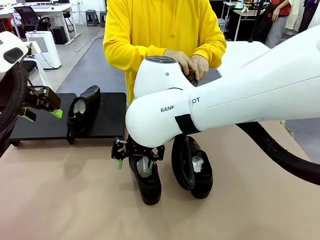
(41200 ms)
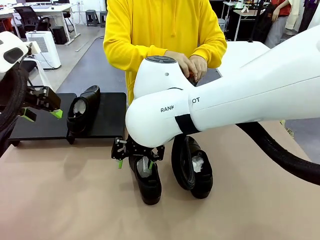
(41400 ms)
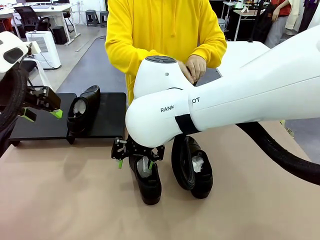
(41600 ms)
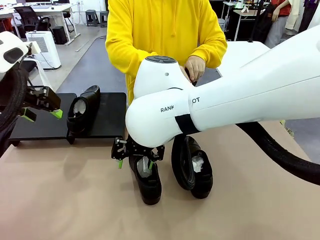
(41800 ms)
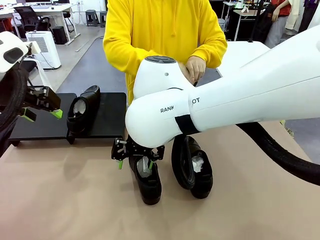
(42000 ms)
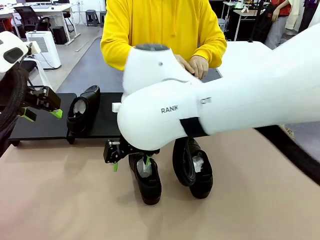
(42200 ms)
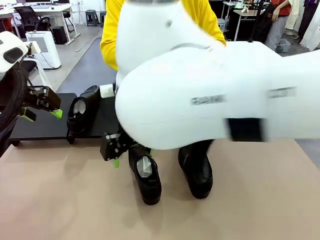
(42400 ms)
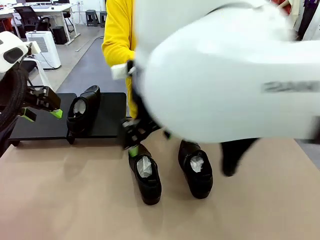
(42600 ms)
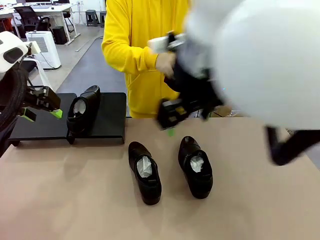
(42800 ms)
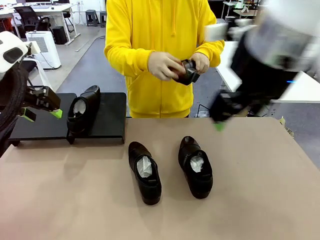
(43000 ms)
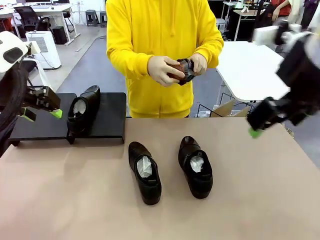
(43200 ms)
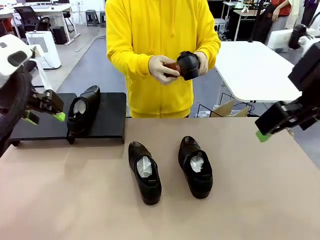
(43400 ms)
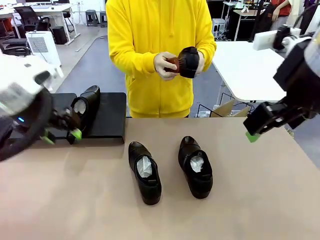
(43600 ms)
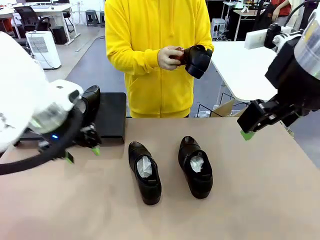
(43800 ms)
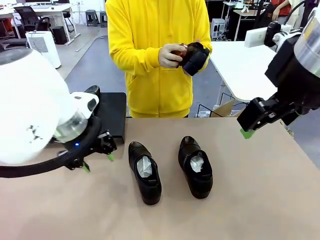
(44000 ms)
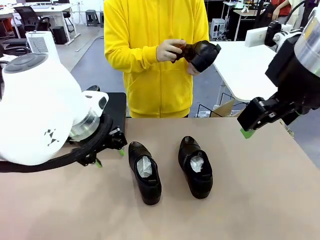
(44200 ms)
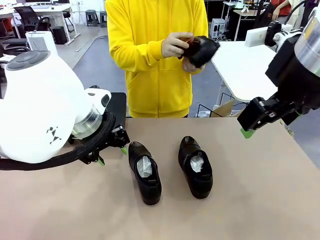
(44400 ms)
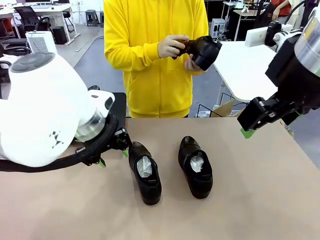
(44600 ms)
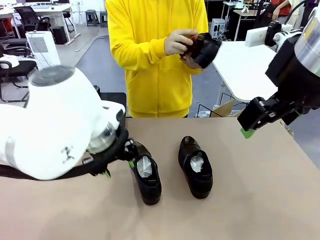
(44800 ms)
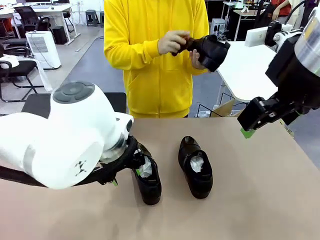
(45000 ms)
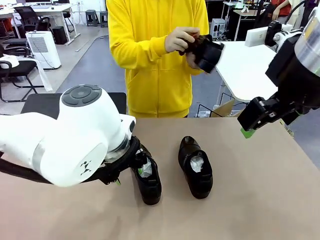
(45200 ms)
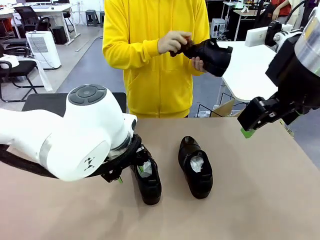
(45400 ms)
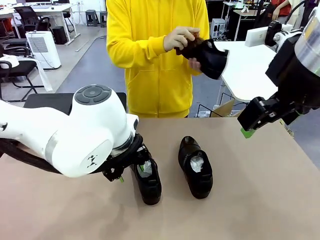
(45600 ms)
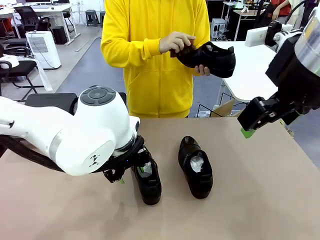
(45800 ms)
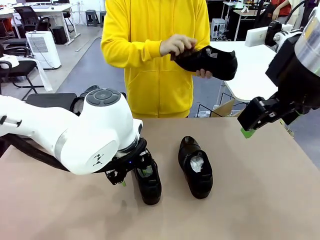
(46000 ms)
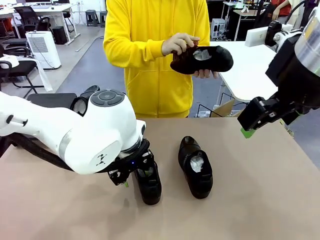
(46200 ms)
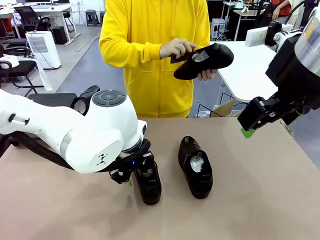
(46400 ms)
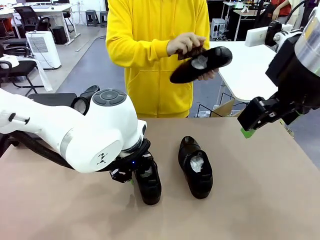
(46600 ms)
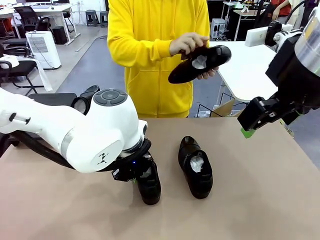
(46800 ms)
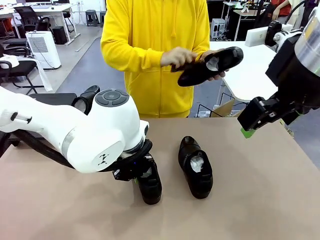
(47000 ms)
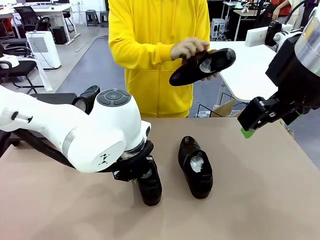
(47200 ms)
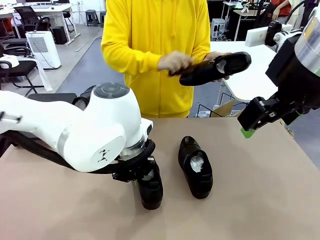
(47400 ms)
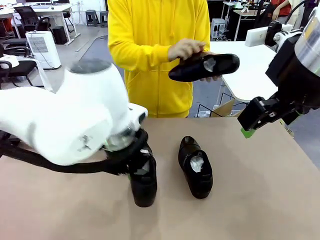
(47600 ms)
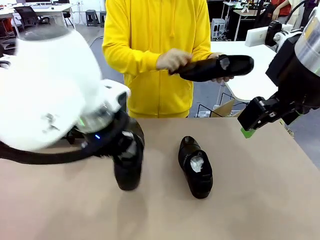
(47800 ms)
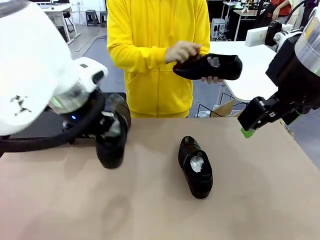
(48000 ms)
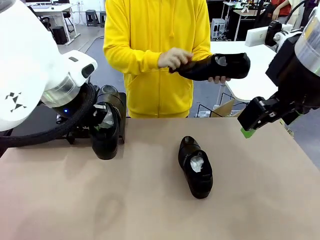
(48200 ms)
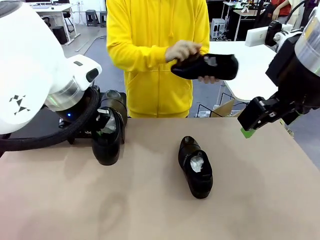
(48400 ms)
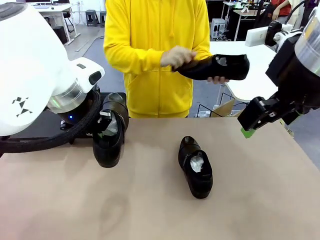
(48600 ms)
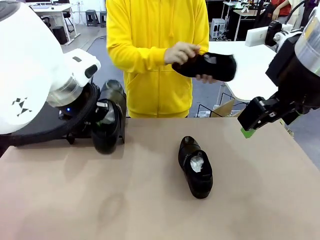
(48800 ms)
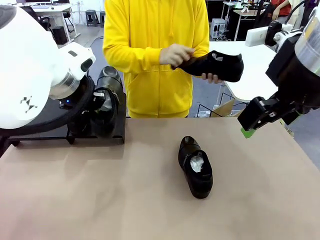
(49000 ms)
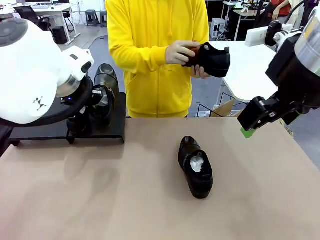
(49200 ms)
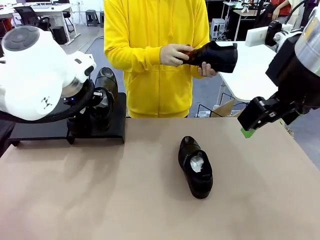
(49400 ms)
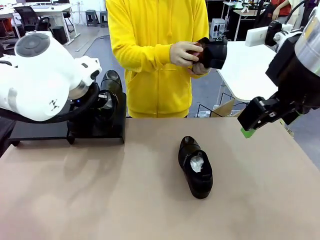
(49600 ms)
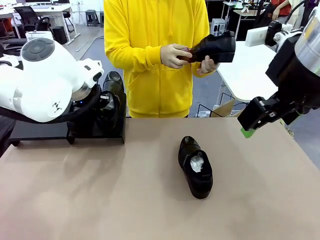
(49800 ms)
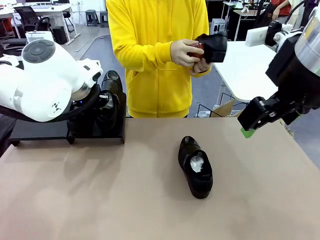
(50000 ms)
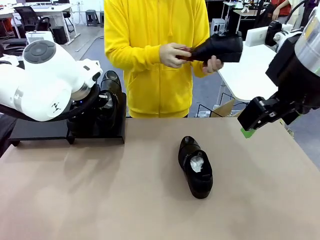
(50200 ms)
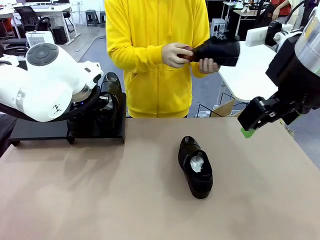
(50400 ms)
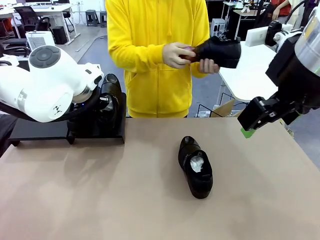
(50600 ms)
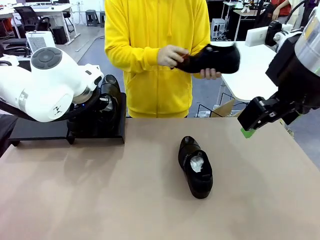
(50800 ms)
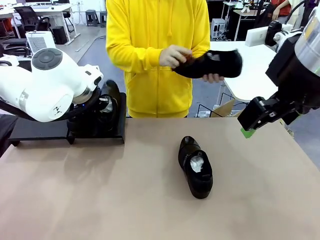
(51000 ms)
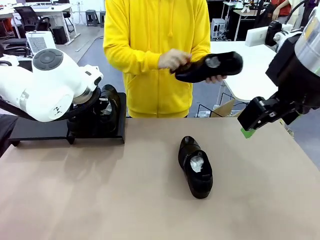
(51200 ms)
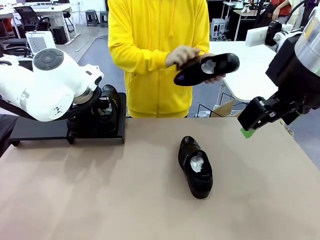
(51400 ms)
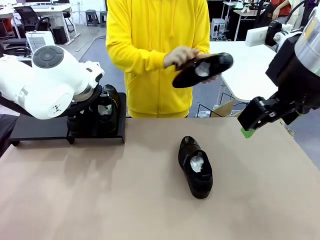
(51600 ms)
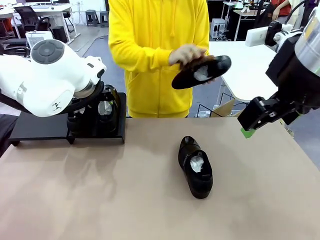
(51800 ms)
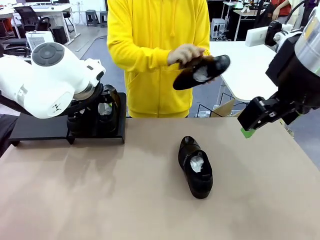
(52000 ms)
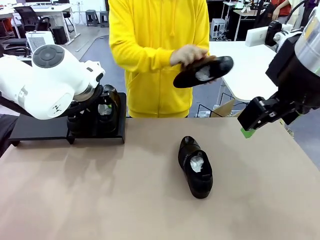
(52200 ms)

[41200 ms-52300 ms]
Task: Organize the shoes by placing them on the stand.
Robot: Place the Shoe from the middle of the table onto the Shoes Stand.

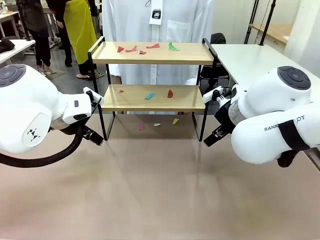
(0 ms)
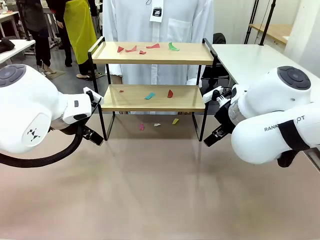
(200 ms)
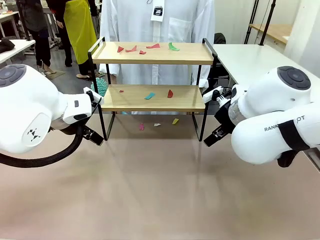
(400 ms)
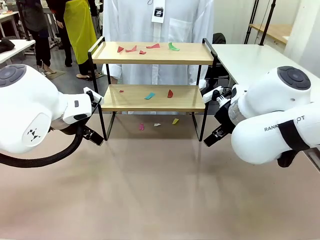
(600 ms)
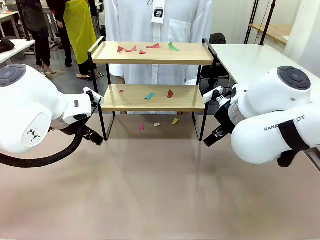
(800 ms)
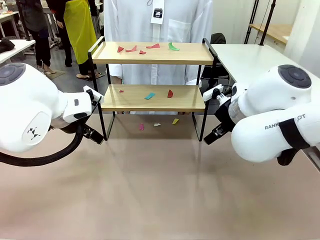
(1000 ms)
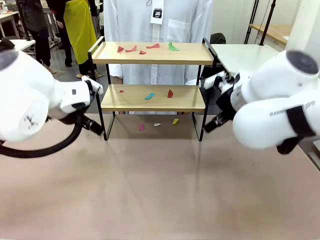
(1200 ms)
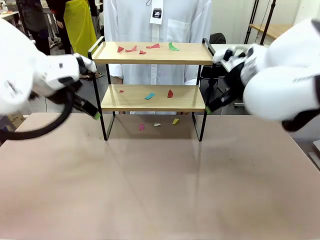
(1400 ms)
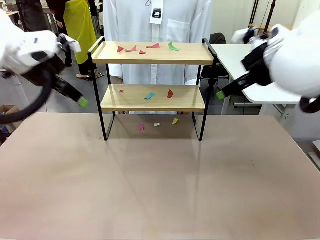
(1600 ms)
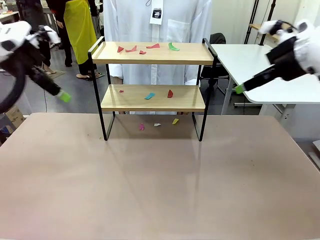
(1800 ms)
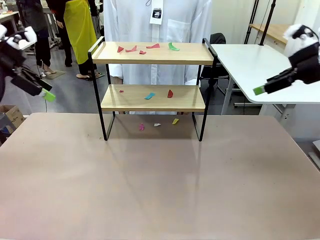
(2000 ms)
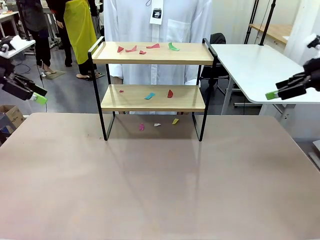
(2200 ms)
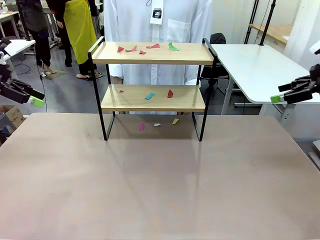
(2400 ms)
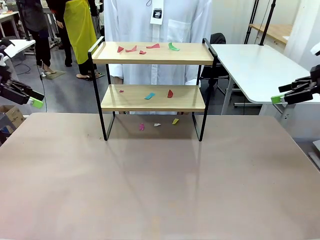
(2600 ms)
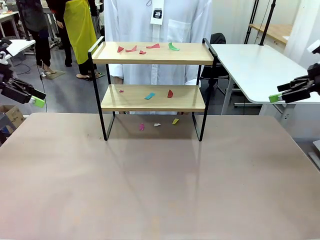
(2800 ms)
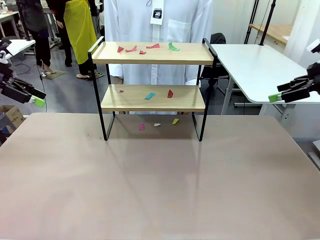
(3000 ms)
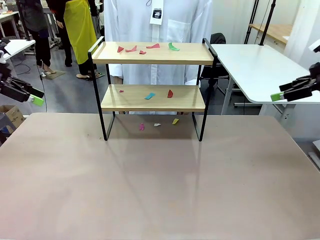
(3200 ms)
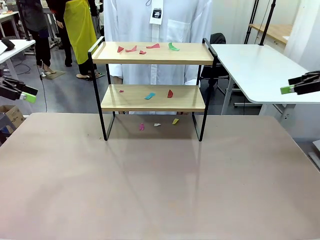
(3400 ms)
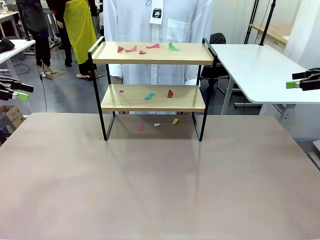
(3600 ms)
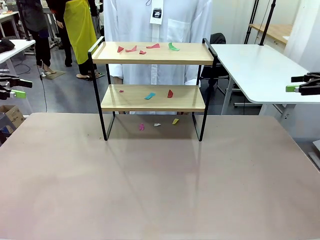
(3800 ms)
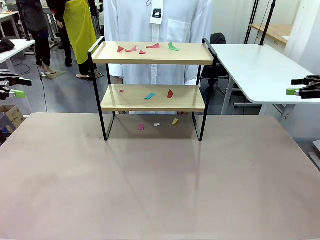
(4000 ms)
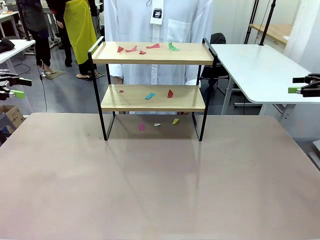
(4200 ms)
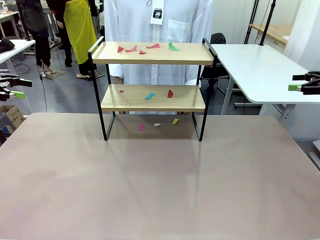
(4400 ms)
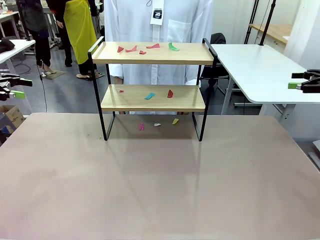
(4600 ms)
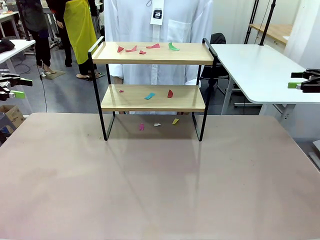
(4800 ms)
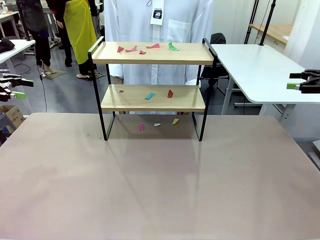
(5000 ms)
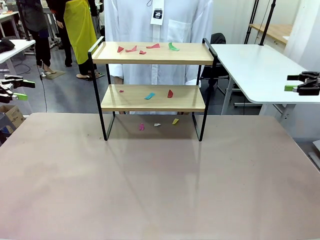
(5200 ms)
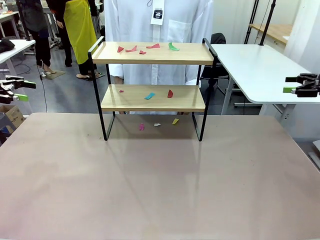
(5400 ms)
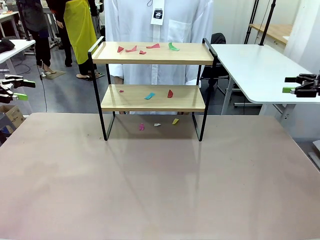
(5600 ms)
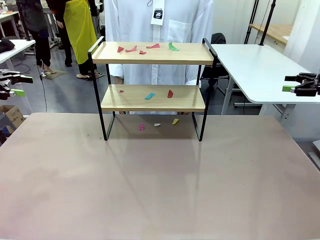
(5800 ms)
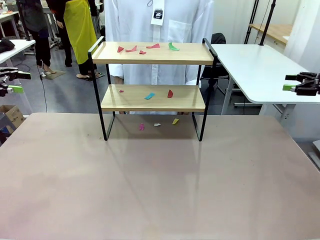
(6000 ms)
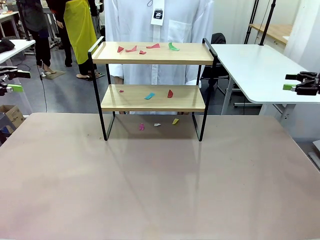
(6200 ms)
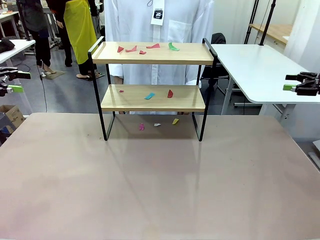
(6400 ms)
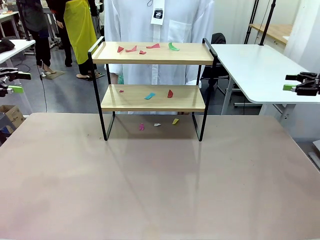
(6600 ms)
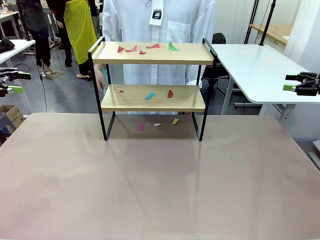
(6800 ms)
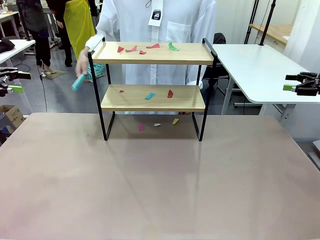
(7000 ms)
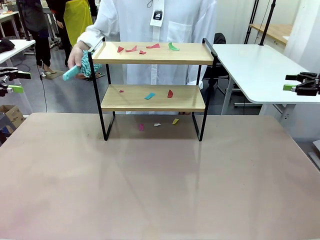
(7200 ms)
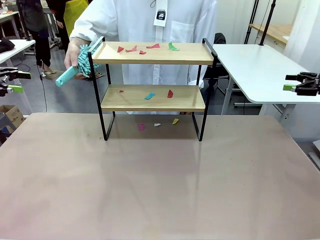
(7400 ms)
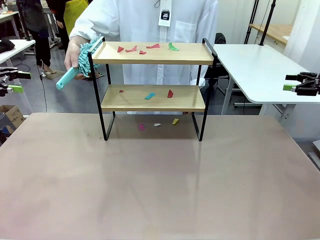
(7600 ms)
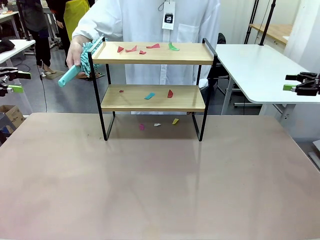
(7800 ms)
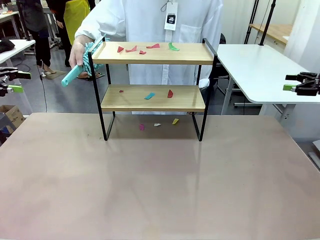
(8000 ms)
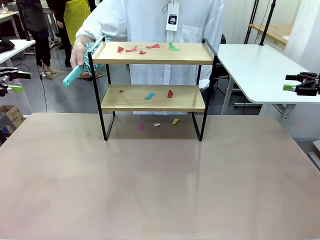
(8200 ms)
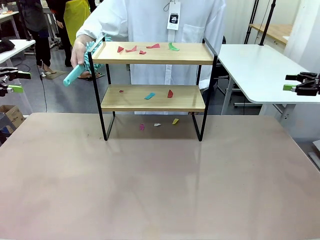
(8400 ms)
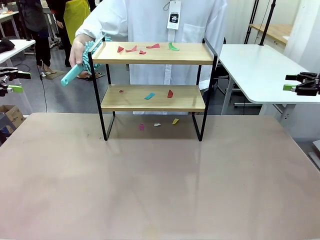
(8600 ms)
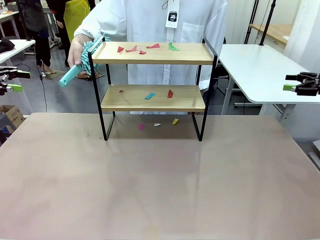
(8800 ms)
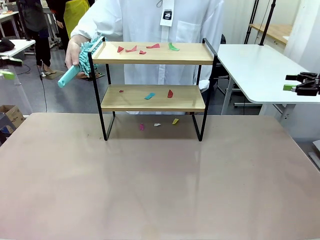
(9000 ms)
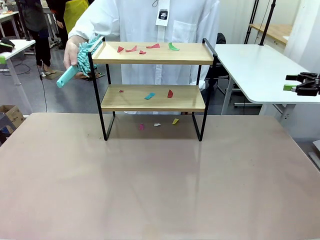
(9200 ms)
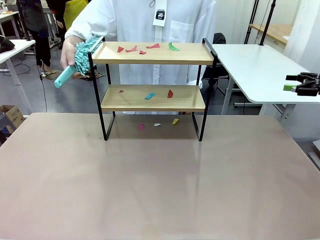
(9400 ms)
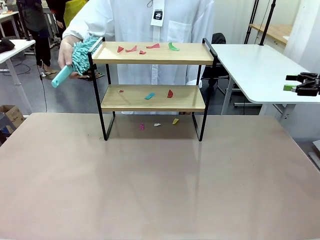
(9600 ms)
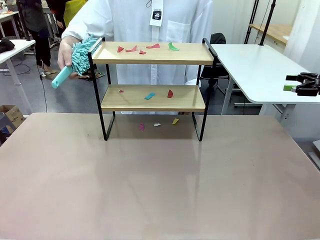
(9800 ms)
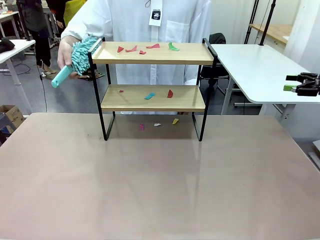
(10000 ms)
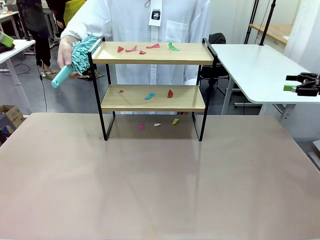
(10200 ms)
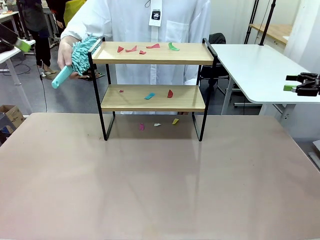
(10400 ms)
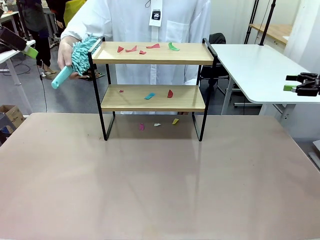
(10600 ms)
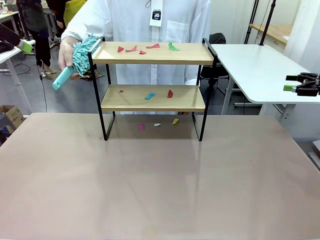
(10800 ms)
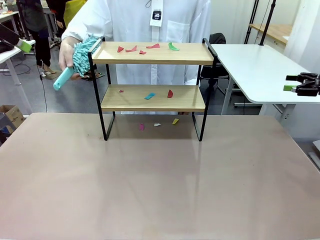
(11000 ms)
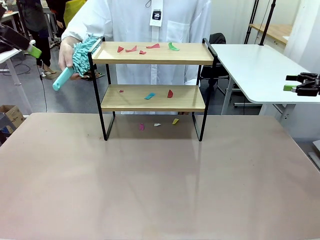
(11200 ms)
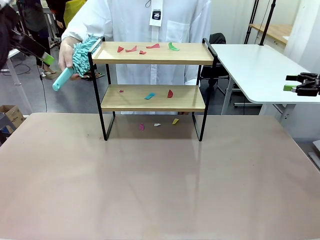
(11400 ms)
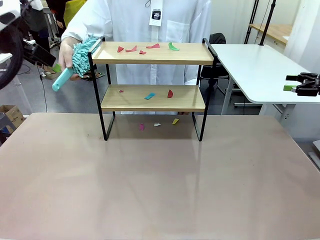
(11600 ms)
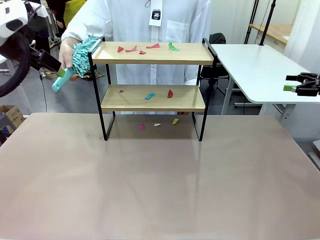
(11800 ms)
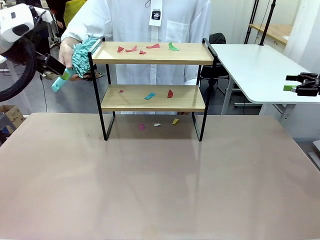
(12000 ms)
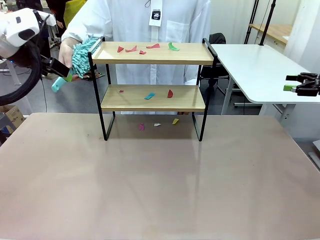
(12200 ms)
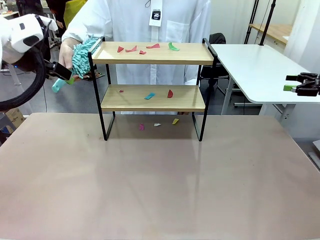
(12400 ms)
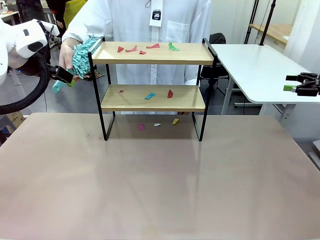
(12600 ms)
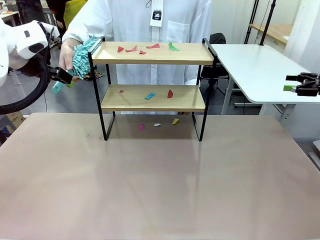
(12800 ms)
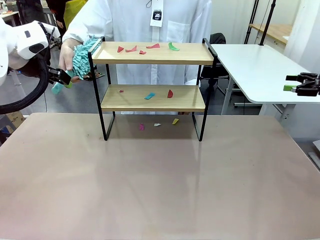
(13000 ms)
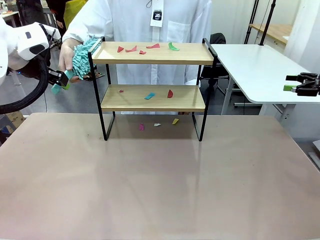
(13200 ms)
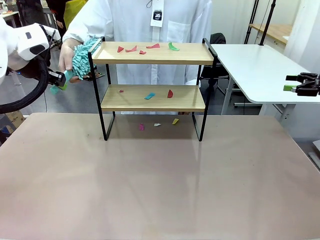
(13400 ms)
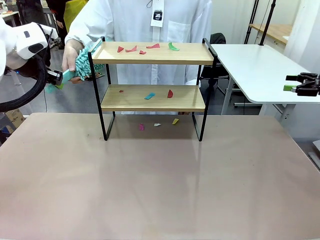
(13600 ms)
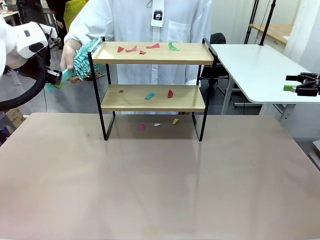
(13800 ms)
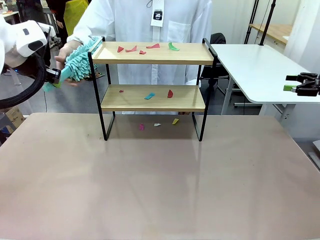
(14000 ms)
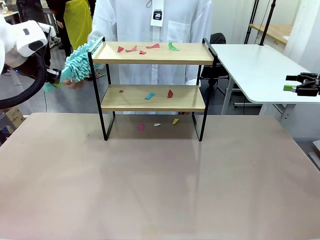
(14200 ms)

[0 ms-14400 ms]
Task: Clean the shelf.
Robot: Pick up the Duster handed by the human.
Person: Hand the Duster to the robot.
